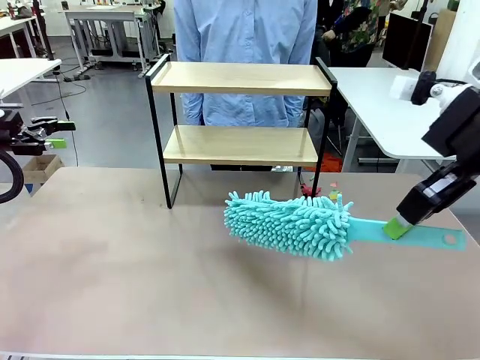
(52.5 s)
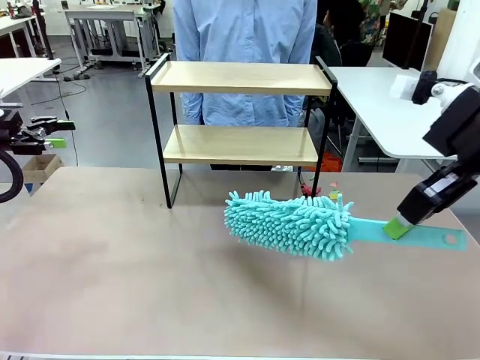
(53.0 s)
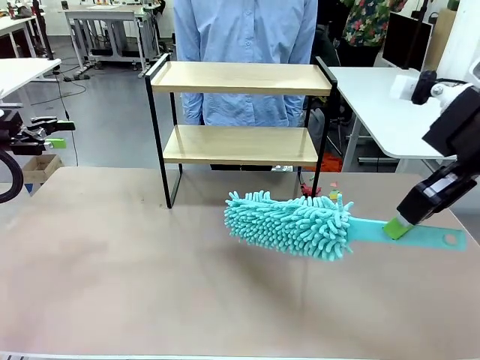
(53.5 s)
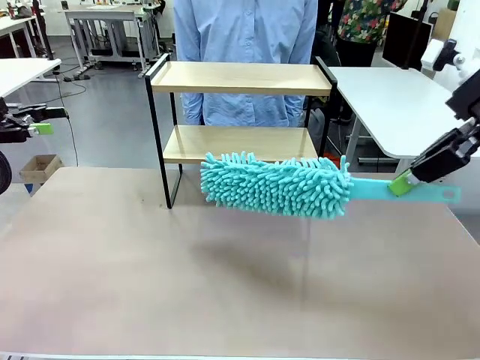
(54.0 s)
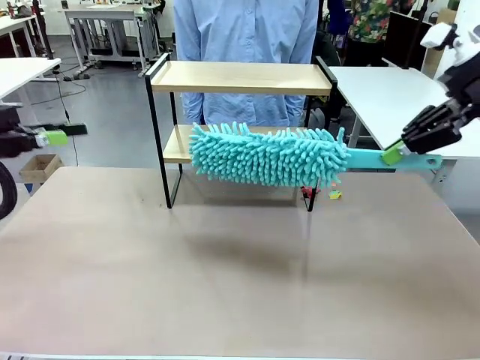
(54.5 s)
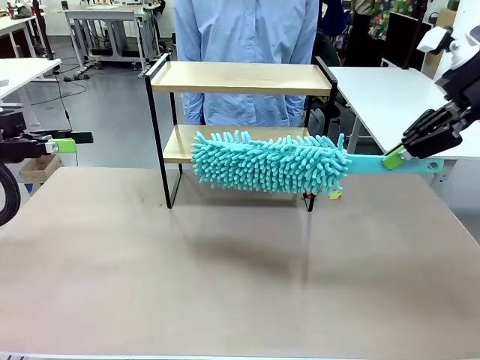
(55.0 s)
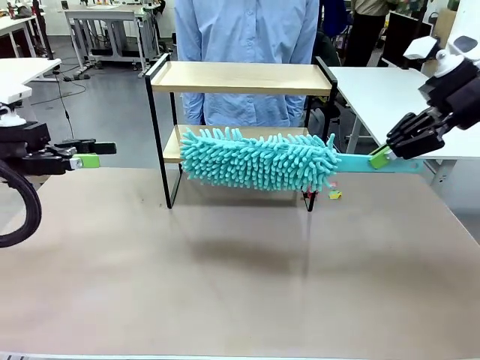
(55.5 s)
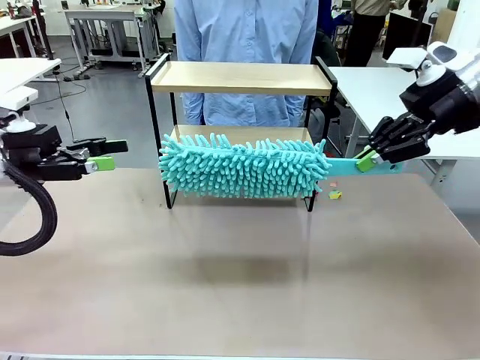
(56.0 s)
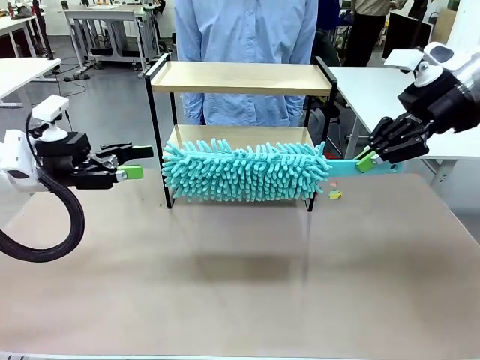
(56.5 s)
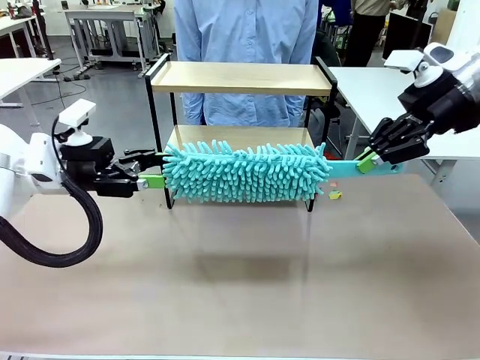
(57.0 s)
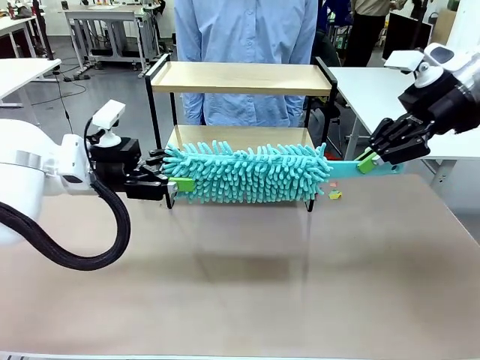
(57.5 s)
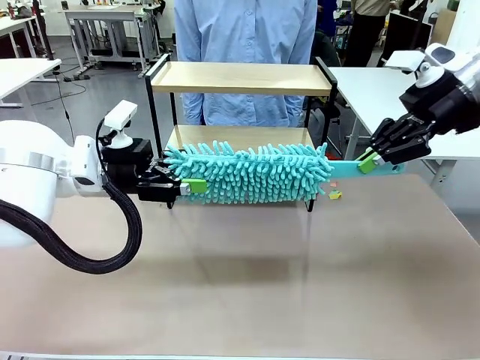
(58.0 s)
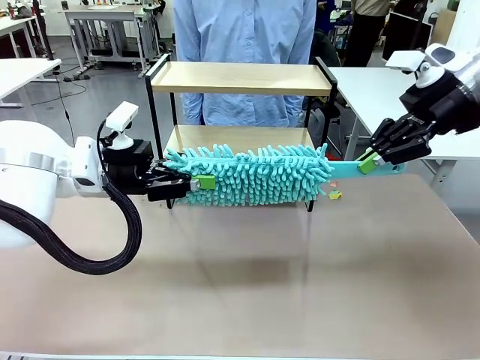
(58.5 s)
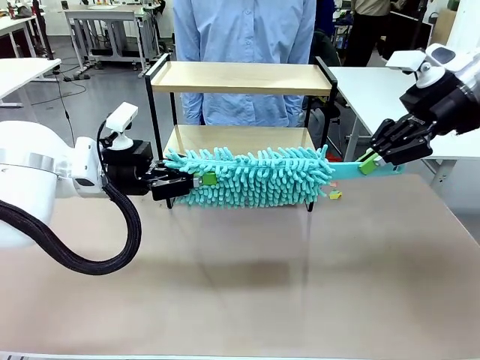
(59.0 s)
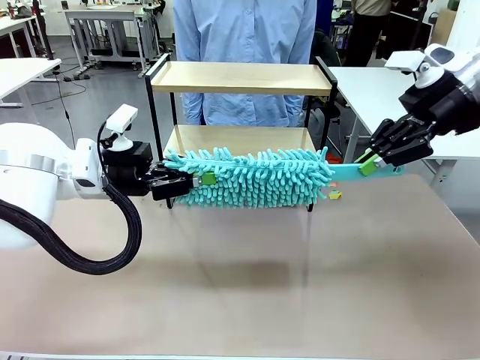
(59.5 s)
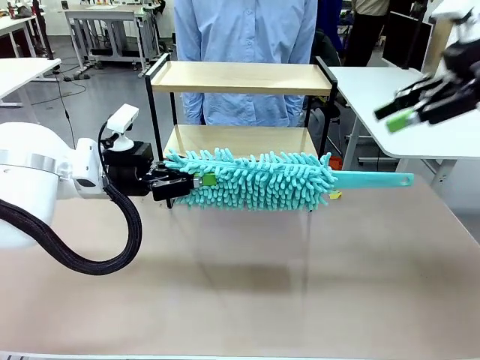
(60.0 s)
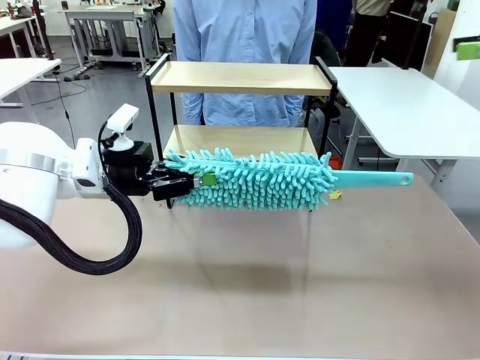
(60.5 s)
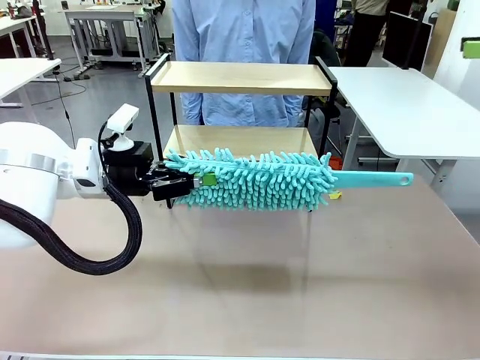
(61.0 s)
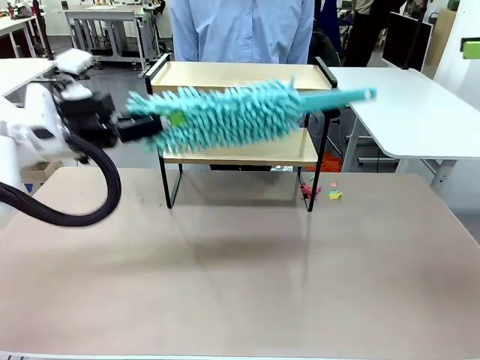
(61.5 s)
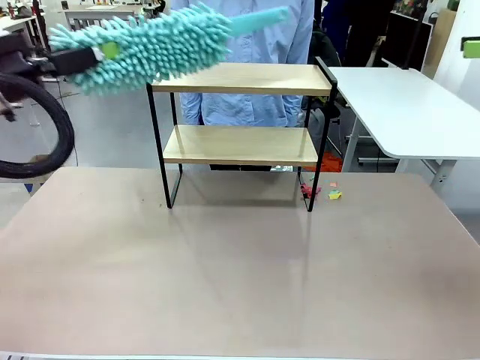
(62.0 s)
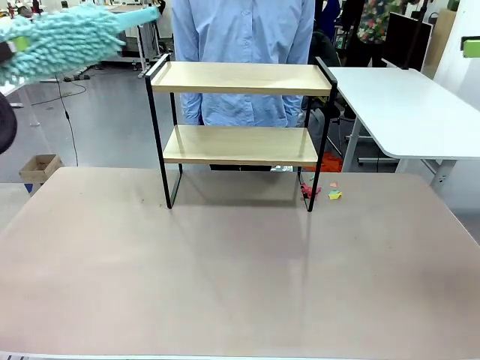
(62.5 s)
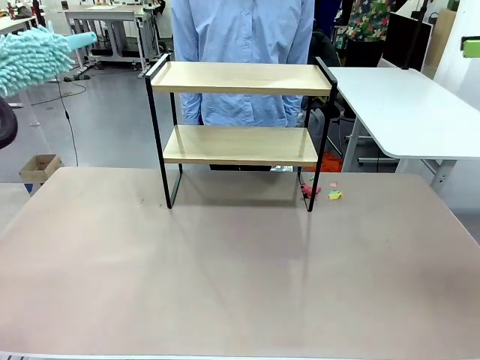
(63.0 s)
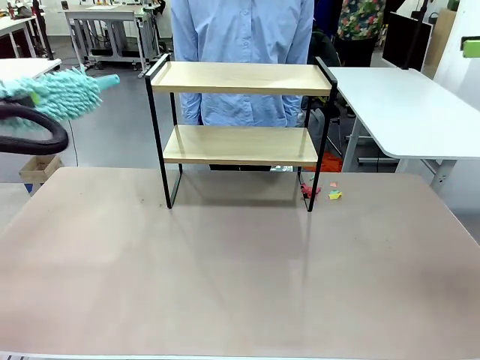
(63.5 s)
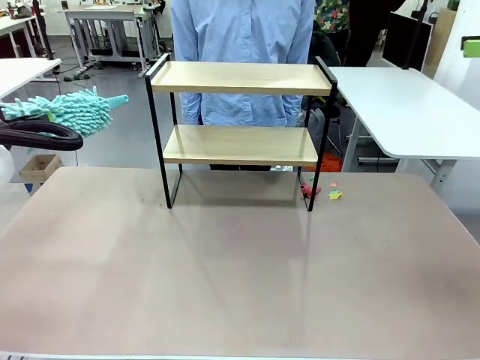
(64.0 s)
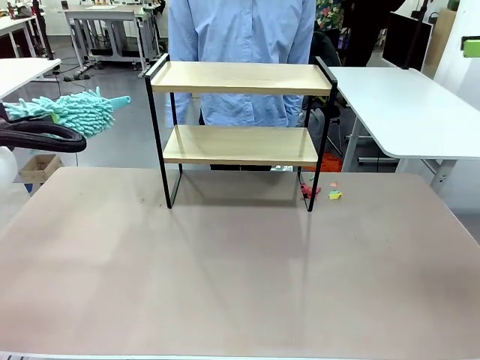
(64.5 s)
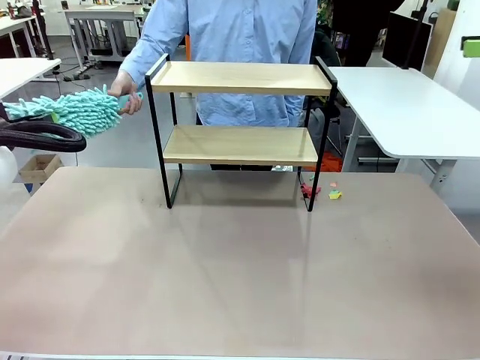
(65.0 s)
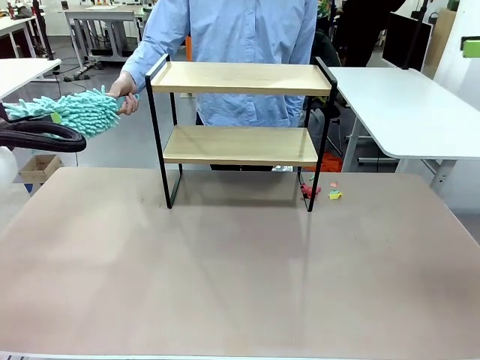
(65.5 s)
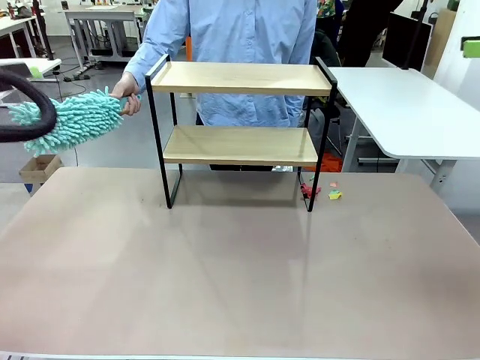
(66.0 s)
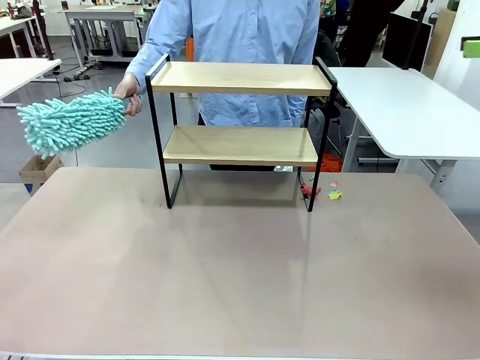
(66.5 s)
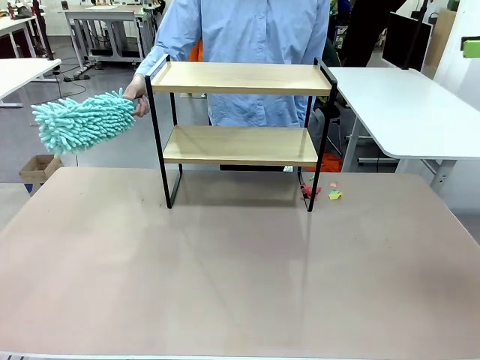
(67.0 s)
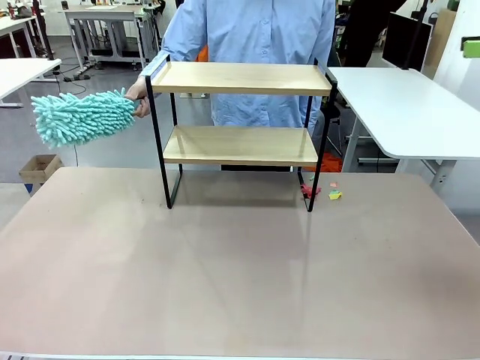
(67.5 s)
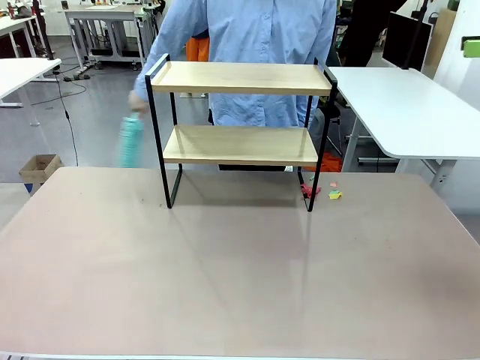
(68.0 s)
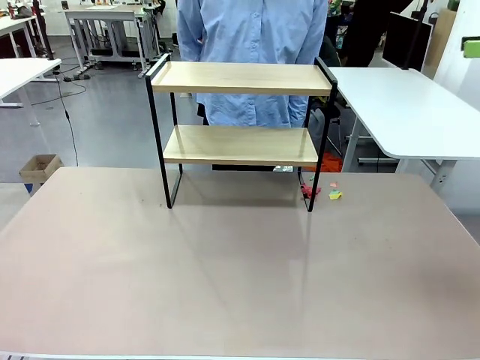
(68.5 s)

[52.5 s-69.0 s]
Task: Clean the shelf.
Robot: Hand the Duster back to the human.
Person: Receive the Duster from the robot.

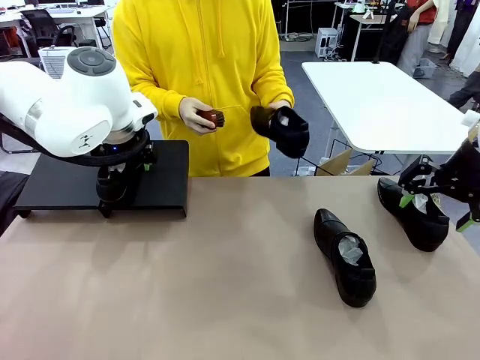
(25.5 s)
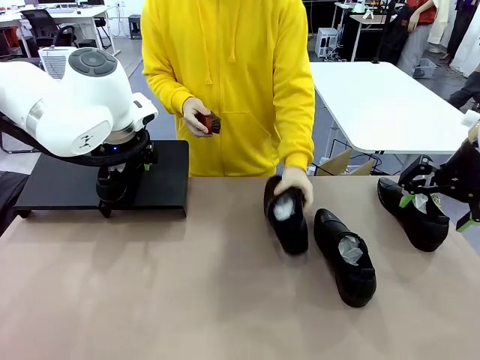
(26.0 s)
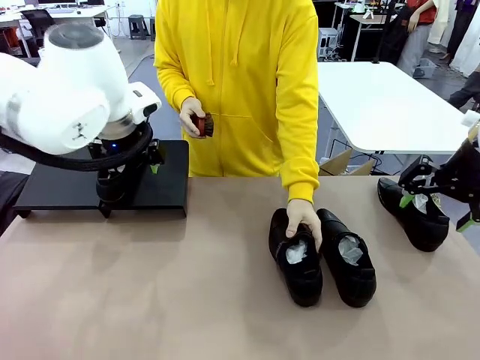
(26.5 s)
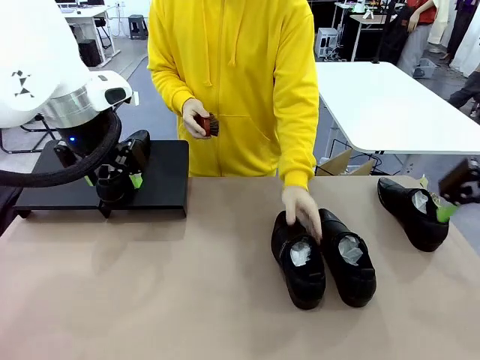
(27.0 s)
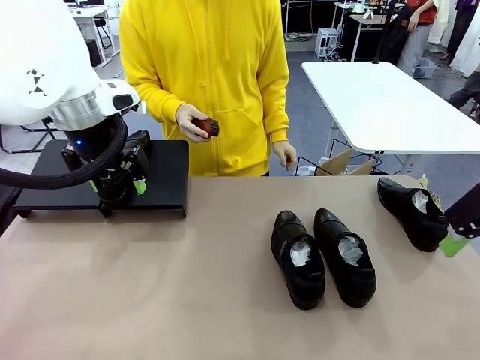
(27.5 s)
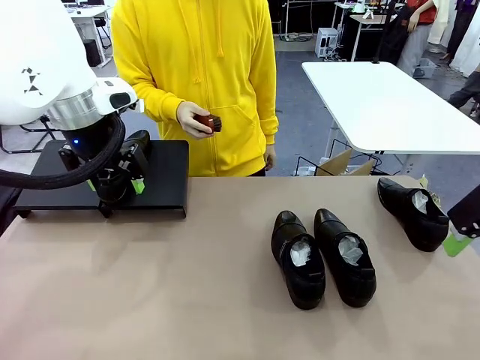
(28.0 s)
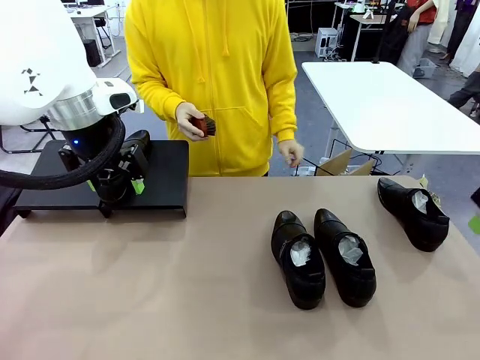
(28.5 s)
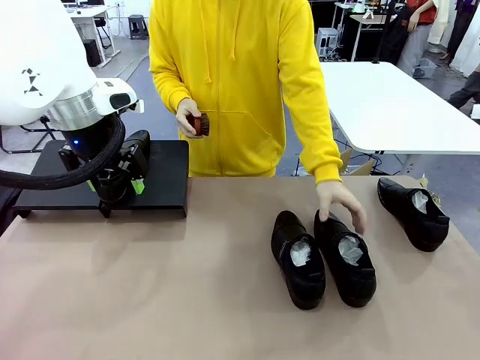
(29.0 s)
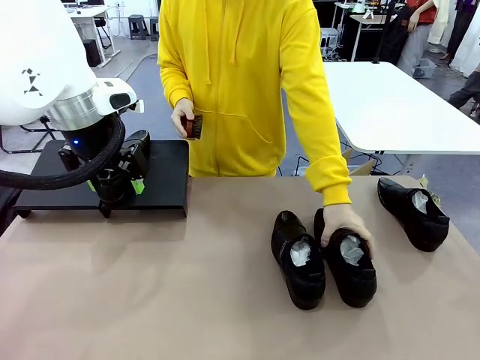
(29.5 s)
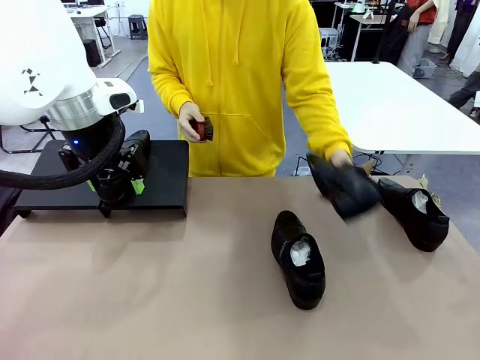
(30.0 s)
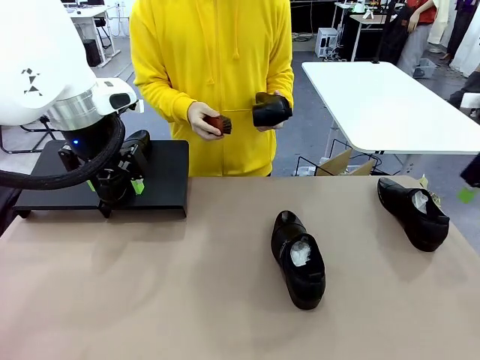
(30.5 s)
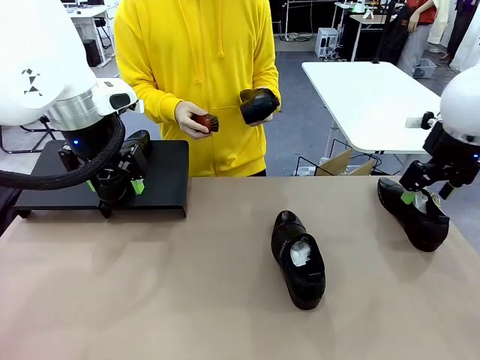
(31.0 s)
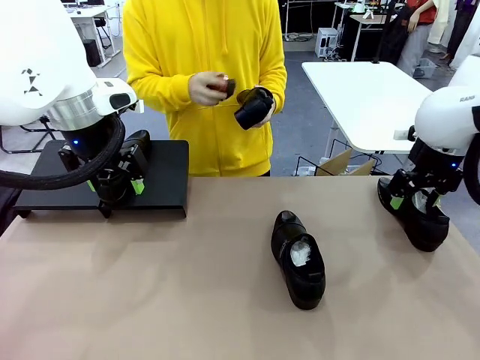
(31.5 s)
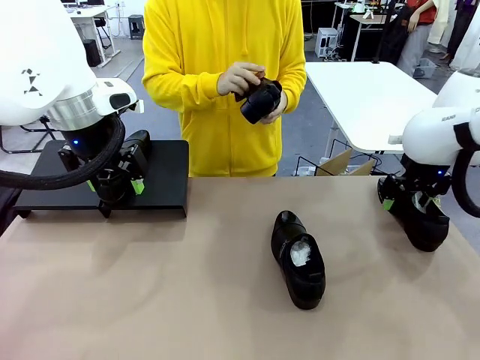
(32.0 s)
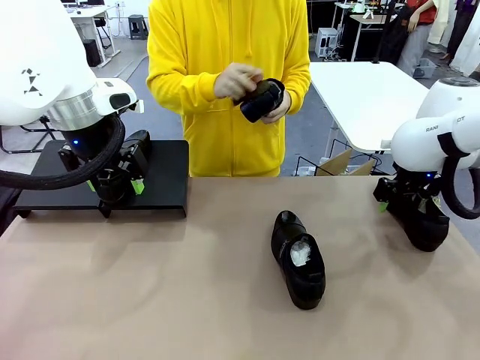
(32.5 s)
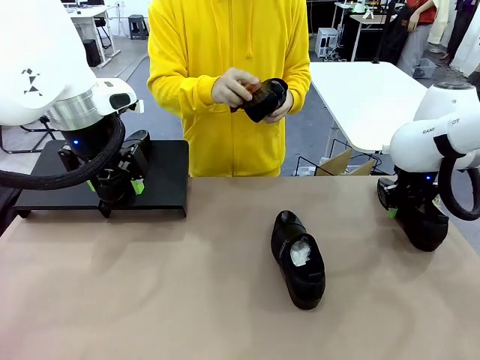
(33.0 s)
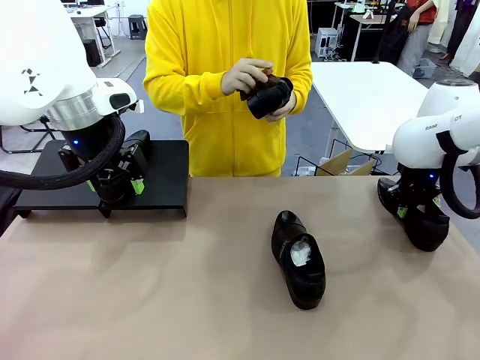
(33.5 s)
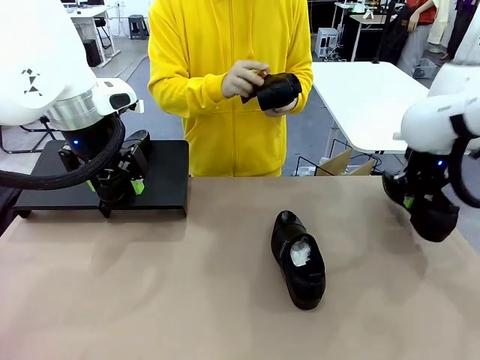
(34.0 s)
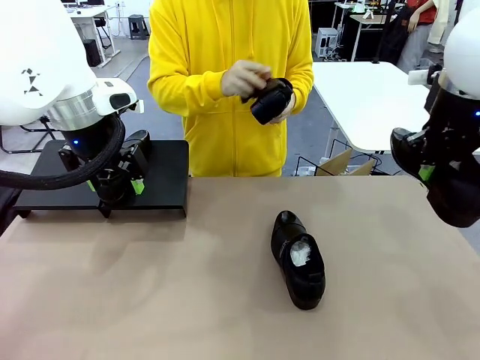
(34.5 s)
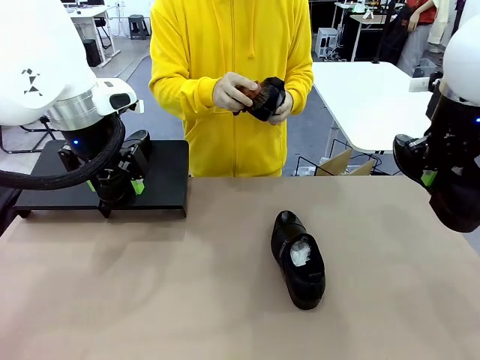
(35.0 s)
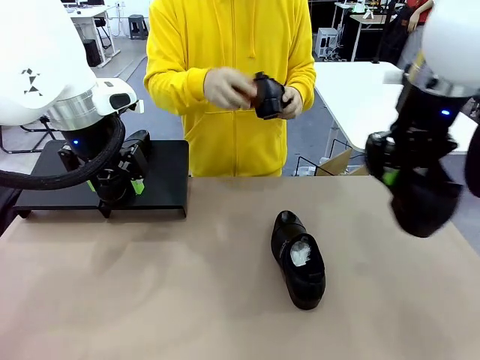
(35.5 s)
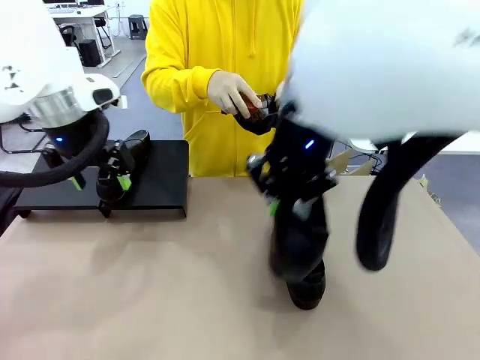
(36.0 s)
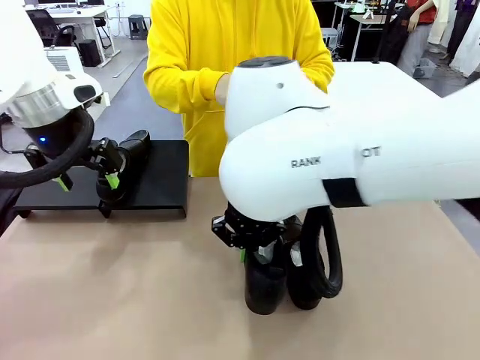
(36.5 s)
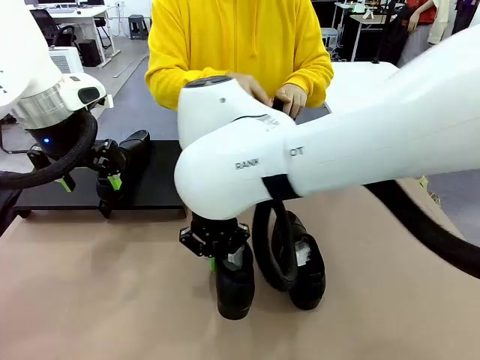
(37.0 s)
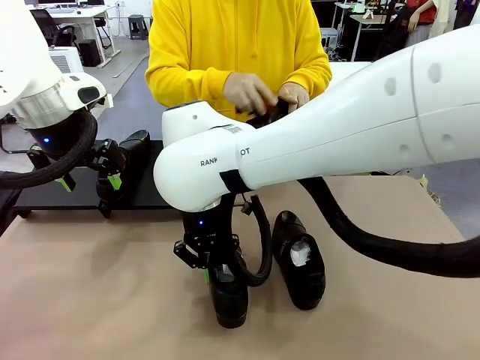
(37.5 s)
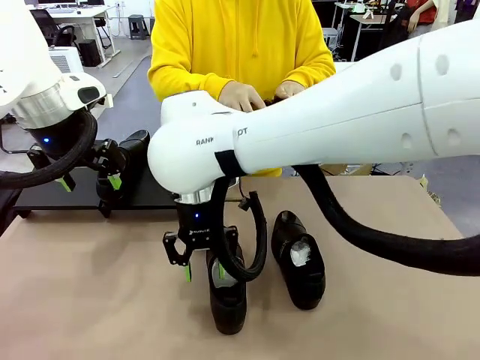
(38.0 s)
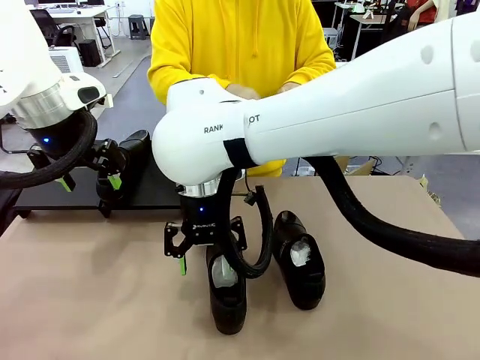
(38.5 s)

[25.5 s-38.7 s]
Task: Organize the shoes by placing them on the stand.
Robot: Pick up one Shoe and place it in the middle of the table.
Person: Place the Shoe on left side of the Robot's table. Pick one Shoe on Robot's table.
